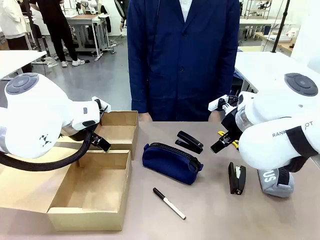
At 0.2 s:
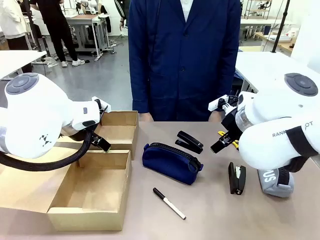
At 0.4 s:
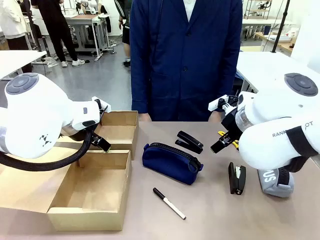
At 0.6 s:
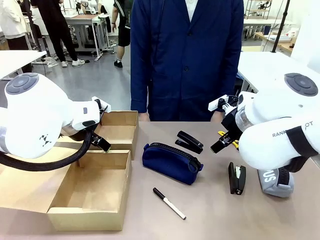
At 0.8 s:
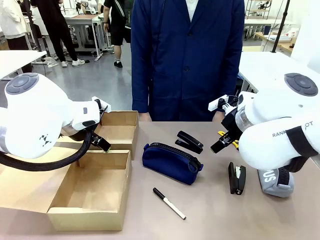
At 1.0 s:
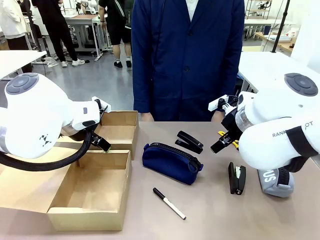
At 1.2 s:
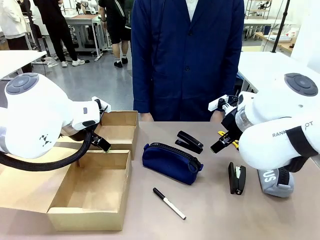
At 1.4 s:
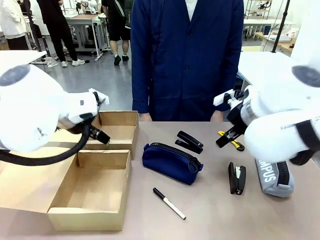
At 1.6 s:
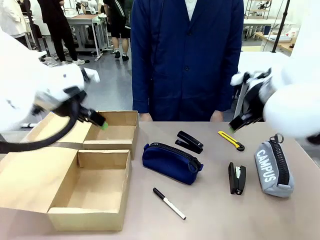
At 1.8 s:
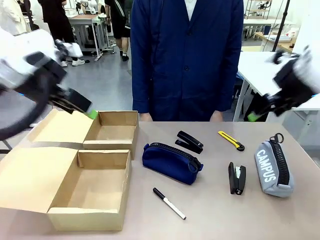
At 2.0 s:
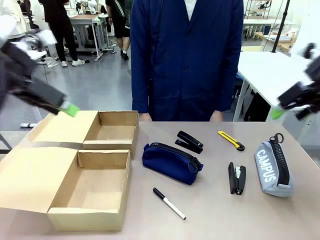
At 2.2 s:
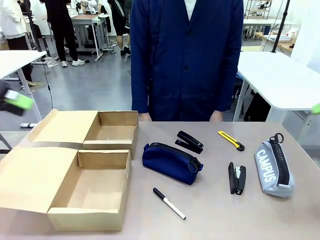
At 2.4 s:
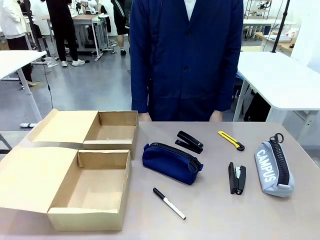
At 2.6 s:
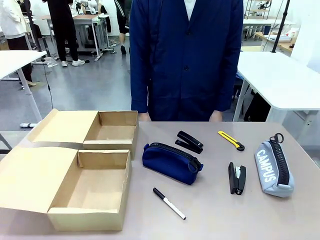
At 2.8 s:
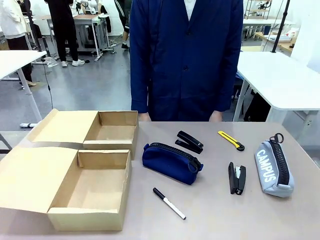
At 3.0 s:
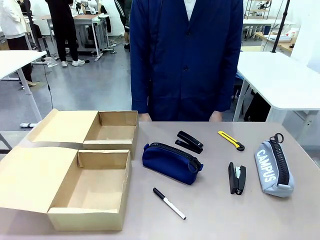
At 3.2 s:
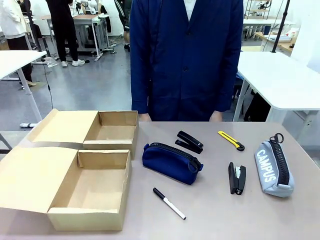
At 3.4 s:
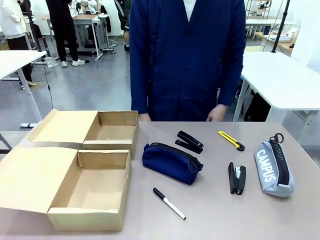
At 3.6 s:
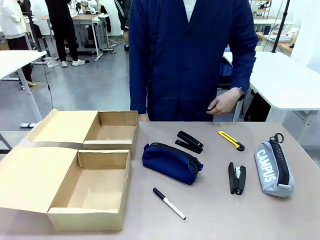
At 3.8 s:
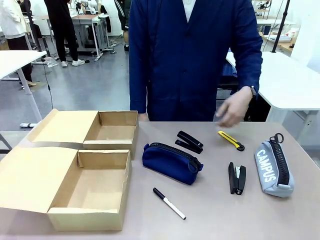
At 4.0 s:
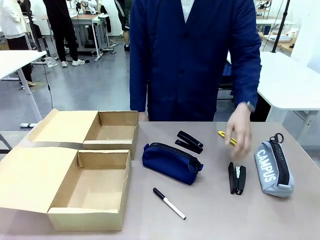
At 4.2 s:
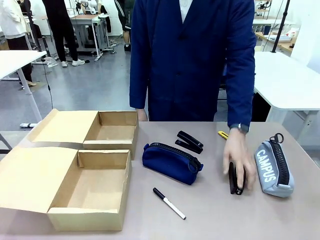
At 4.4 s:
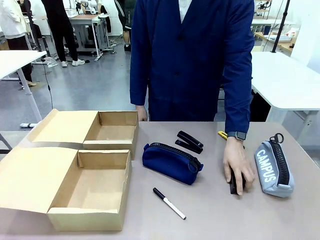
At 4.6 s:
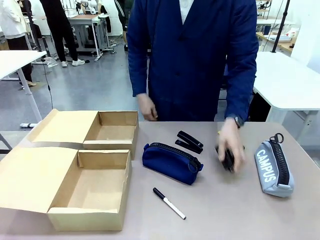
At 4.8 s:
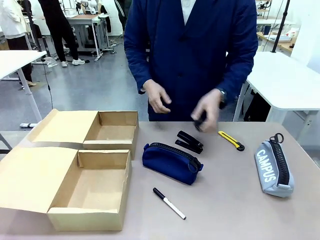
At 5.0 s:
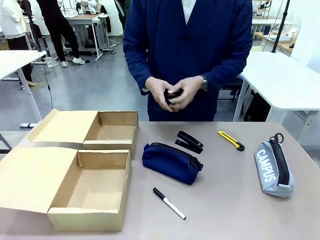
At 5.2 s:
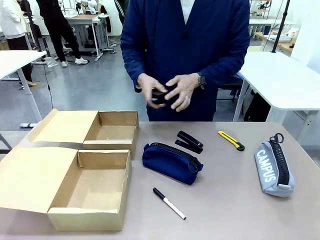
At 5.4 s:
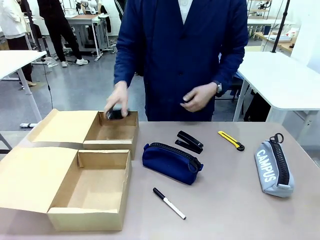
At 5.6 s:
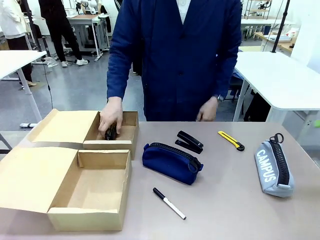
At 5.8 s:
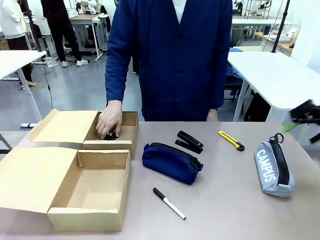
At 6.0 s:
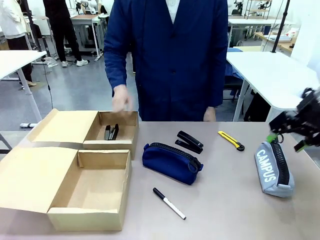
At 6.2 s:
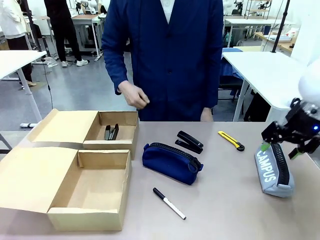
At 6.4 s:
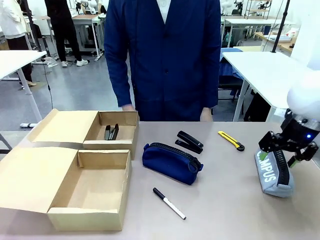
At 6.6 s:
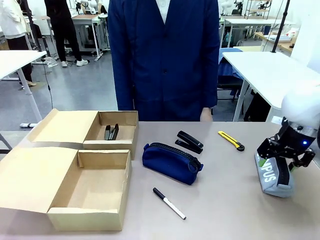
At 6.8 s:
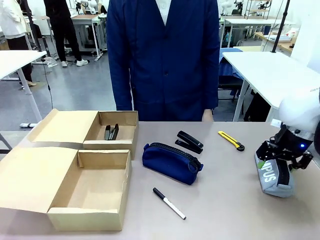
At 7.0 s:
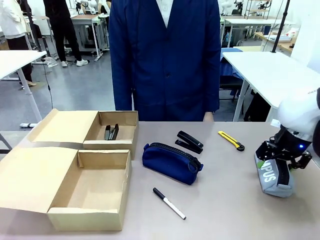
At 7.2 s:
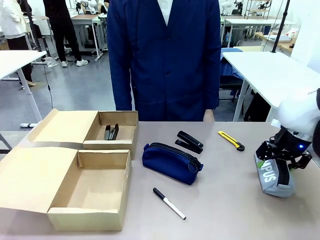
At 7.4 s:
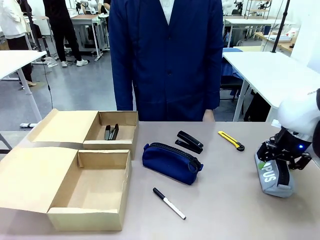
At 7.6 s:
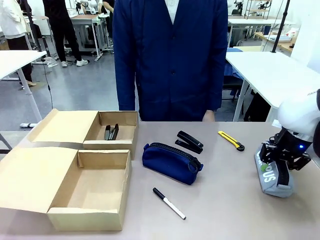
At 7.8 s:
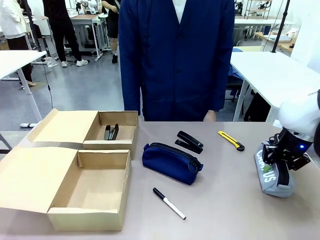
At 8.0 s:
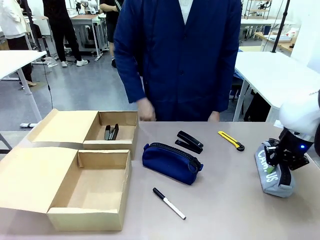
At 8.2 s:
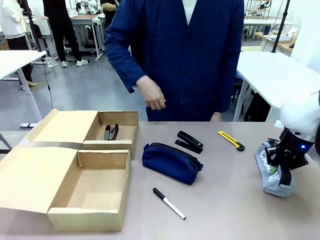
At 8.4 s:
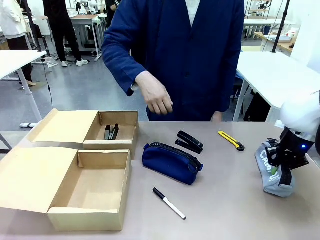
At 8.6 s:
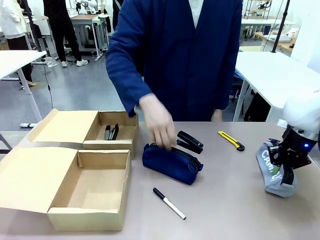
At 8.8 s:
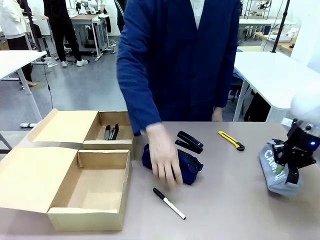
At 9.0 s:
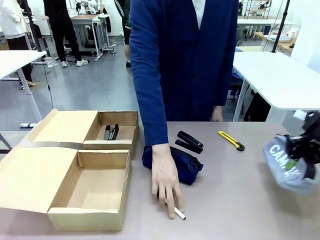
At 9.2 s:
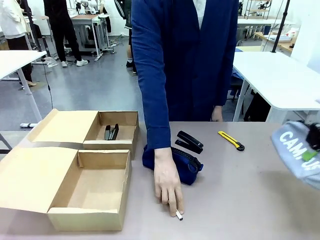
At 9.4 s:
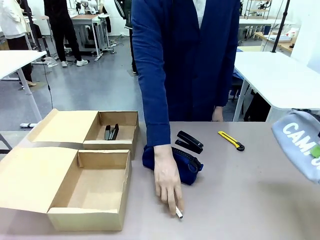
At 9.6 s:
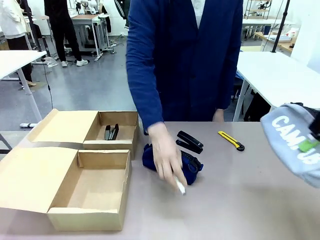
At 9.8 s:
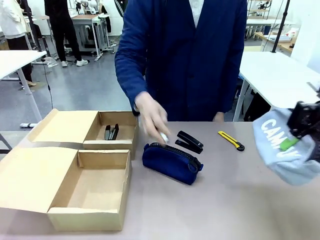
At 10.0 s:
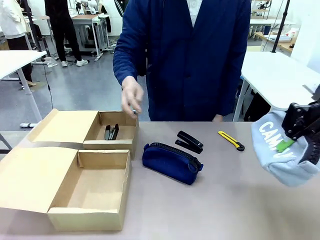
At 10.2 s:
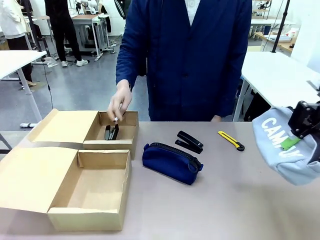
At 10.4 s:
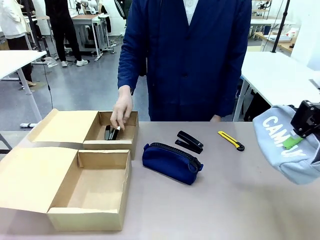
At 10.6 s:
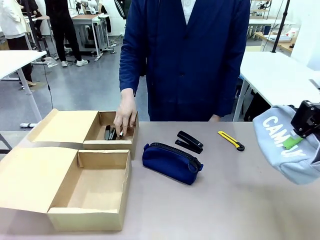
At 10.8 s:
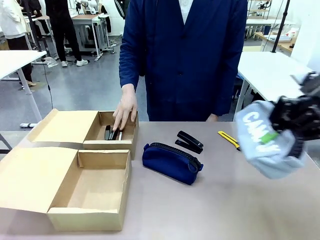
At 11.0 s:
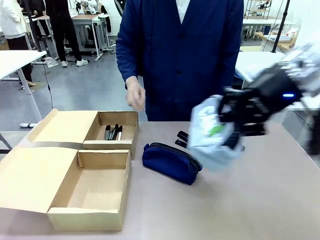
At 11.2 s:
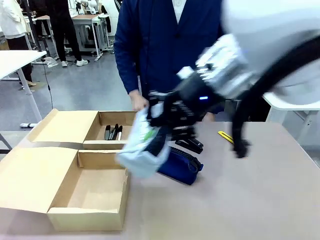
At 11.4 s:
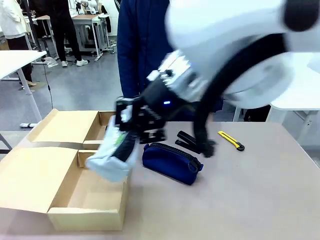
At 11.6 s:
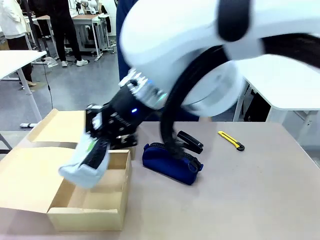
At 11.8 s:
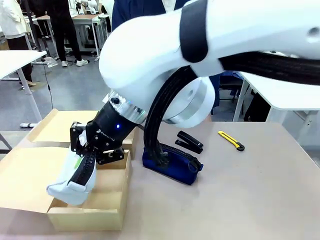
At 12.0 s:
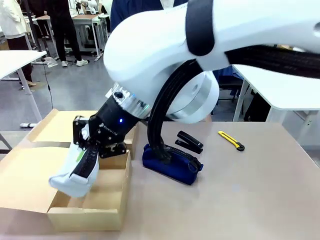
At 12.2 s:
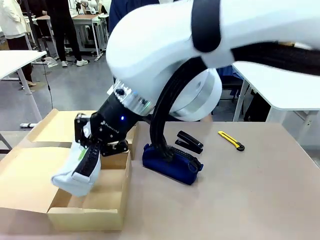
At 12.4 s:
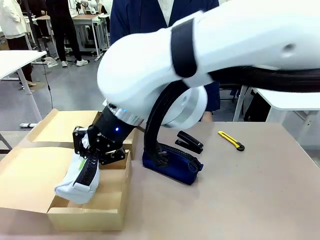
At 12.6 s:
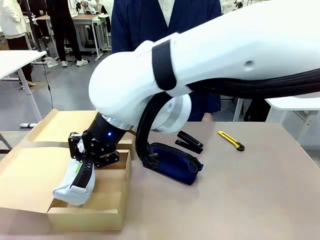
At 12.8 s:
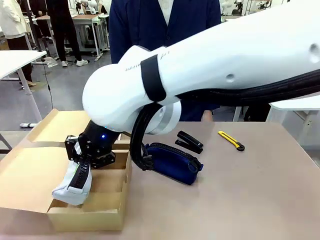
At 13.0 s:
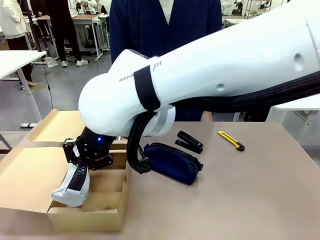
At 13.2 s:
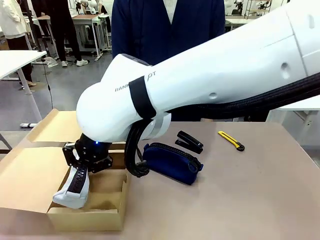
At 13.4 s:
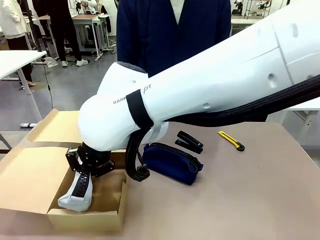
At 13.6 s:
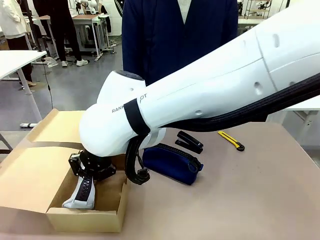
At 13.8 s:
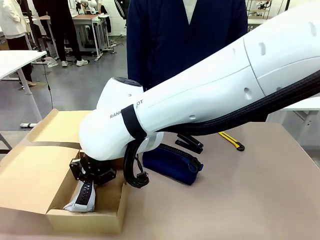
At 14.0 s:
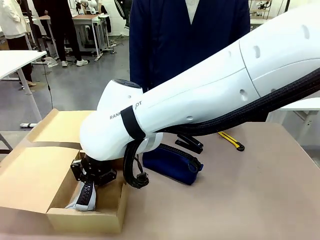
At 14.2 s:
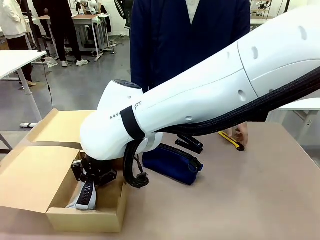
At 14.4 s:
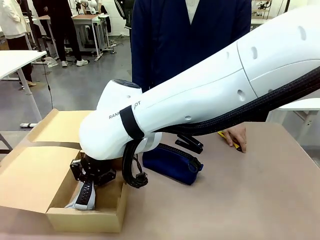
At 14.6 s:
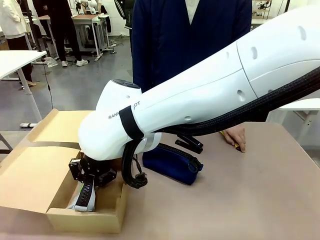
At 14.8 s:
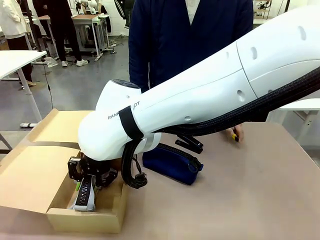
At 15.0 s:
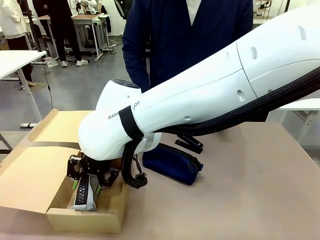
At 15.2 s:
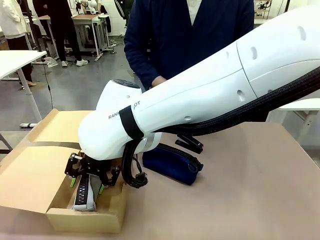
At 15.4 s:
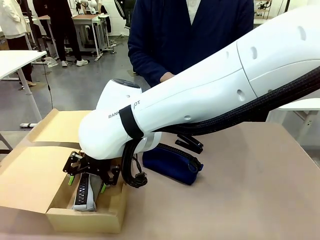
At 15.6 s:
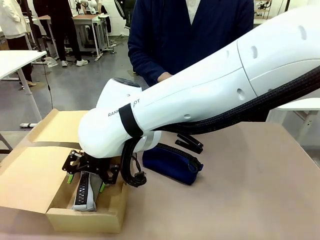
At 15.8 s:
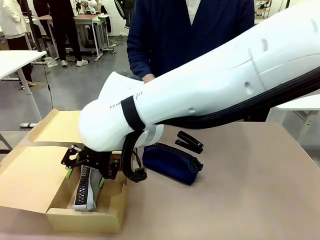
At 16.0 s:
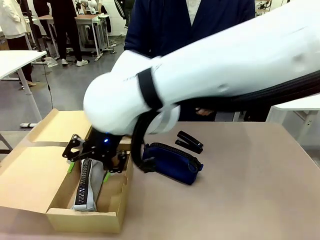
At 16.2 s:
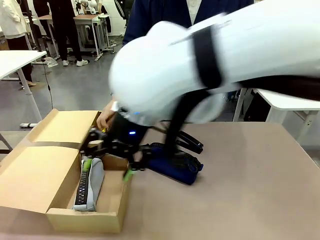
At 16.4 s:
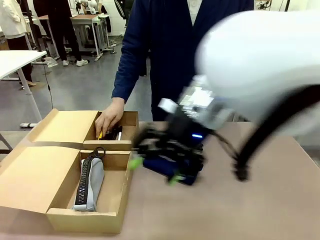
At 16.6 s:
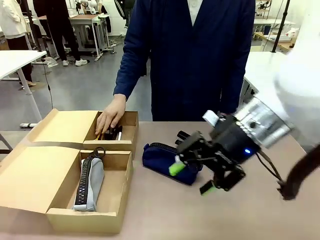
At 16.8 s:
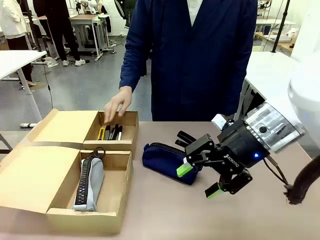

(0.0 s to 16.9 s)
Task: Place items inside the box.
Robot: Pick up a Pencil pouch or Stapler and place it inside the Mailer Box closest to the robot.
Person: Pick up an object on the table and put it in the box.
